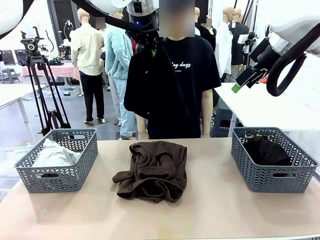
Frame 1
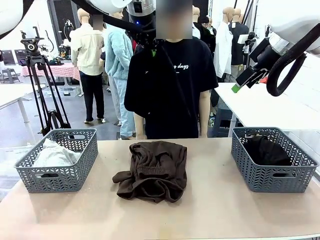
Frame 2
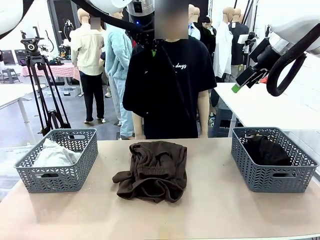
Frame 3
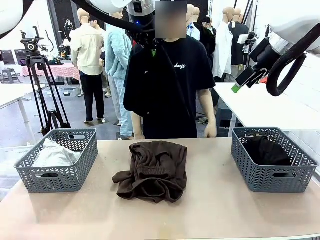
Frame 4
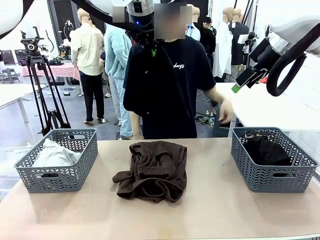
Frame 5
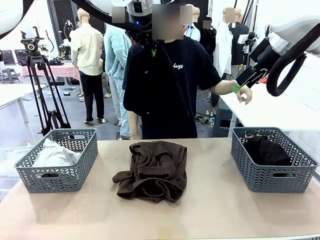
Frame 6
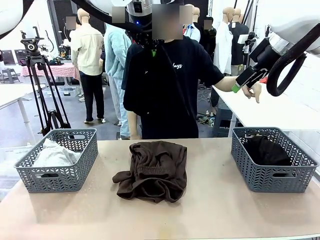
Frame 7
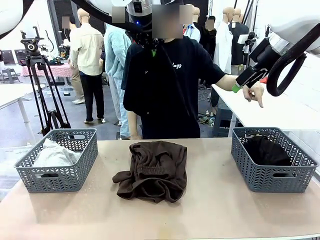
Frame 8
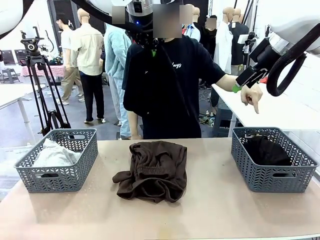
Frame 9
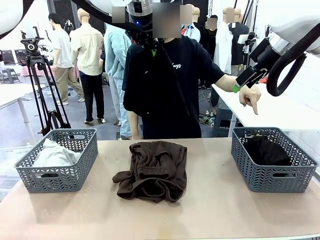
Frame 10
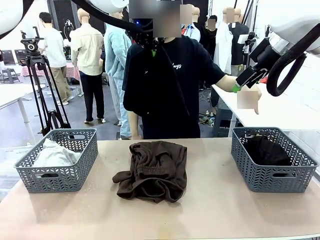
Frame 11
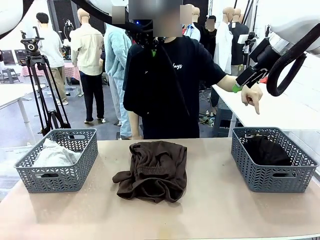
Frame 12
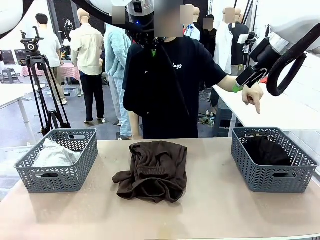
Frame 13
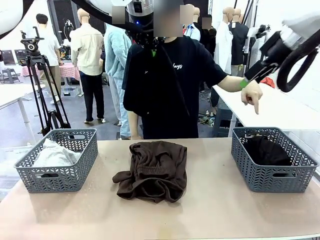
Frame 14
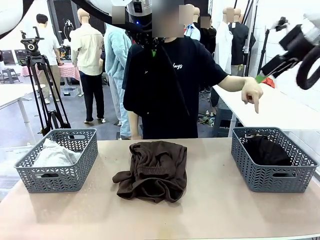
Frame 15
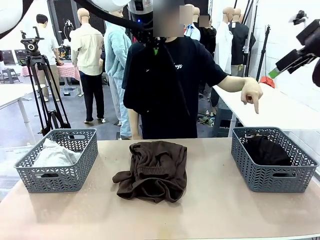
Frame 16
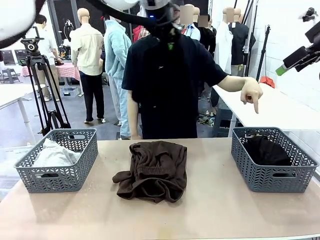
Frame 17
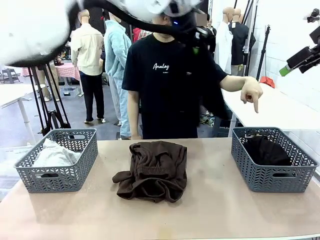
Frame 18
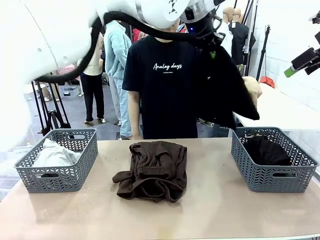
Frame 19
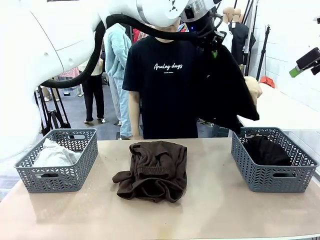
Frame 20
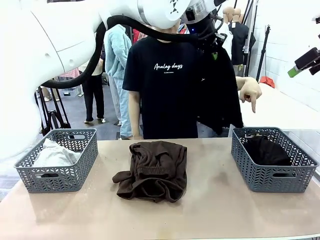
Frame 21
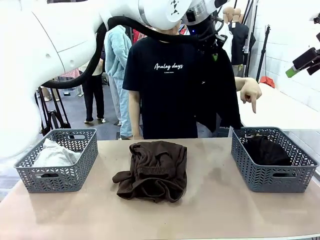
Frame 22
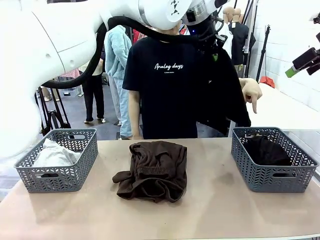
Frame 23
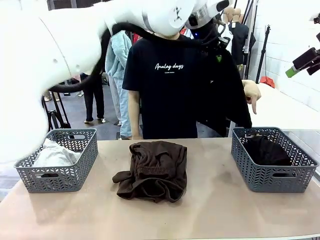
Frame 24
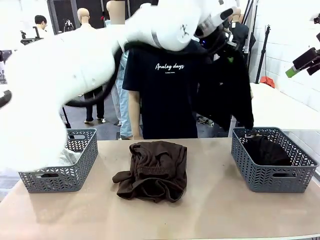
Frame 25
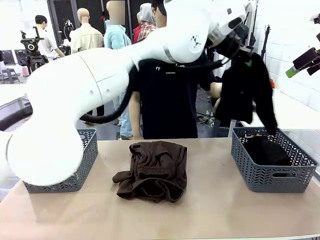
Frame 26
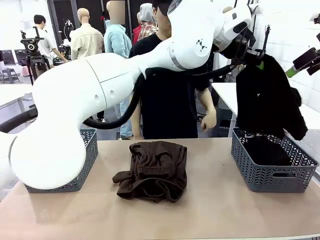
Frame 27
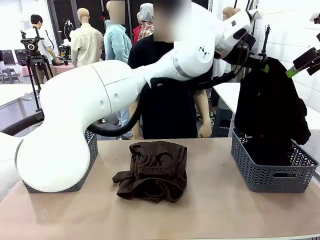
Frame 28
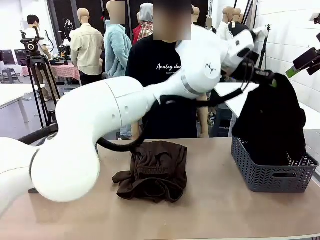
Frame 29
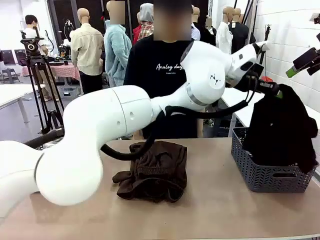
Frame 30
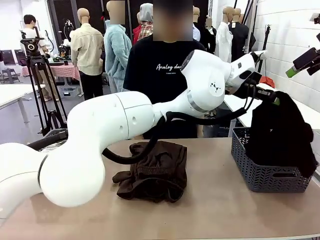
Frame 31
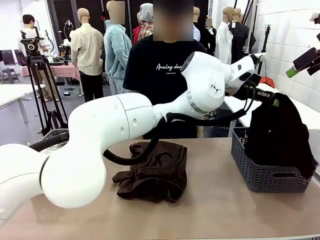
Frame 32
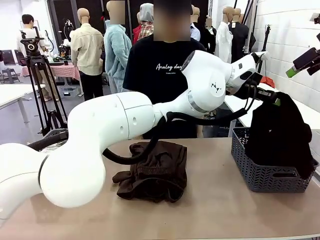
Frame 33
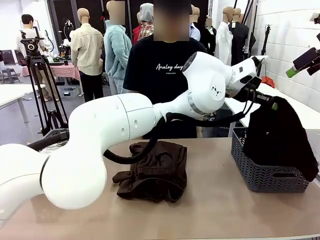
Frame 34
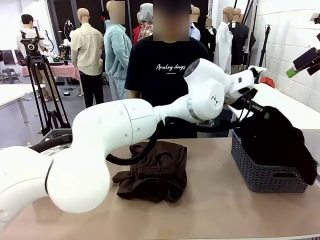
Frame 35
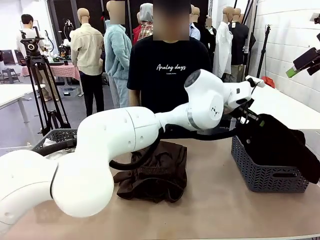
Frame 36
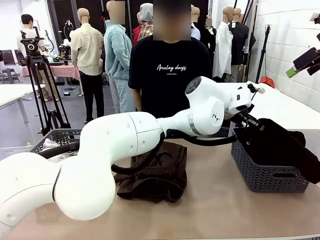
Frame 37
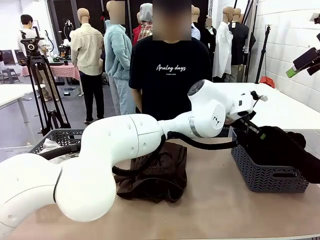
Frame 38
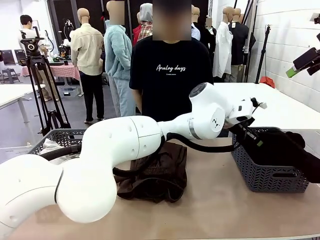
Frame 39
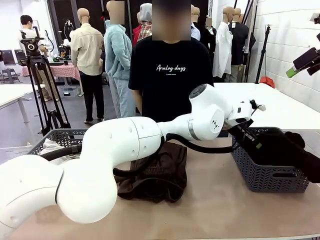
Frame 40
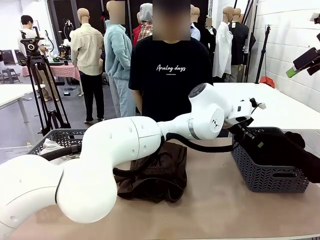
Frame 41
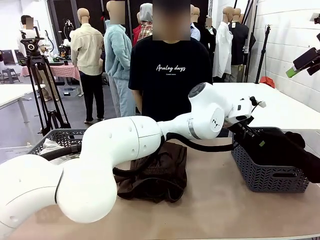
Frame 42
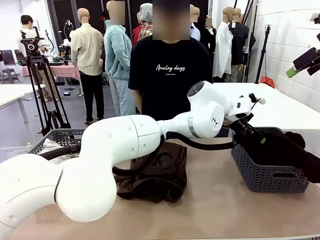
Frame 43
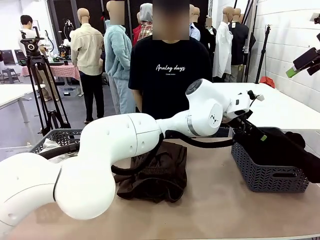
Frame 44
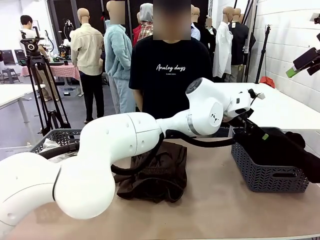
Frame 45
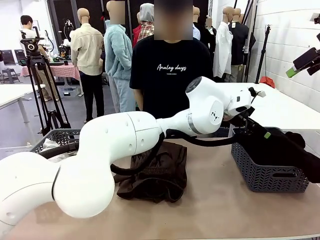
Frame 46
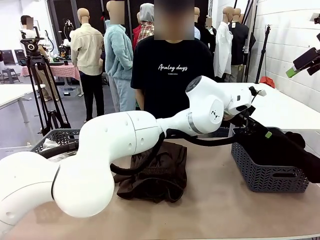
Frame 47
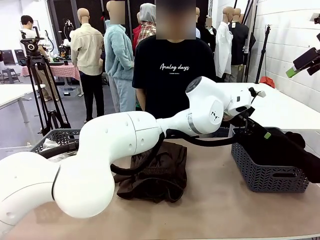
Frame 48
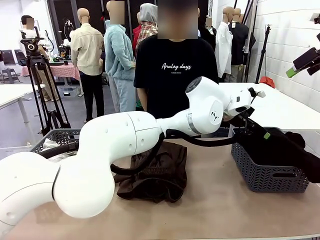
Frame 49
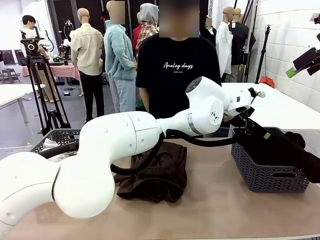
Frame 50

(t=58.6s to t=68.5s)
Task: Sort the tops and bottoms.
Robot: Sort the clothes according to human instructions.

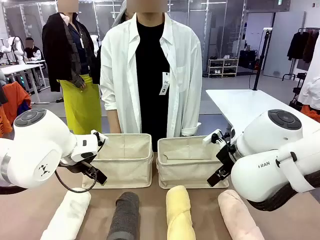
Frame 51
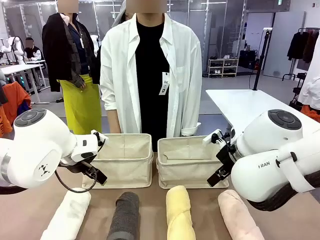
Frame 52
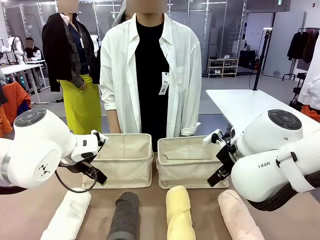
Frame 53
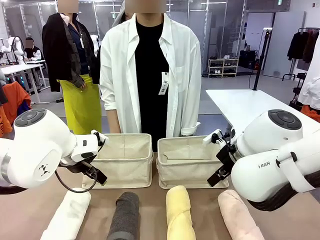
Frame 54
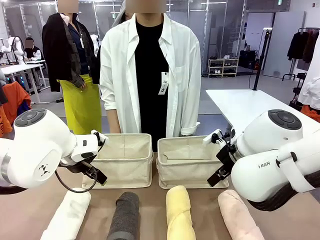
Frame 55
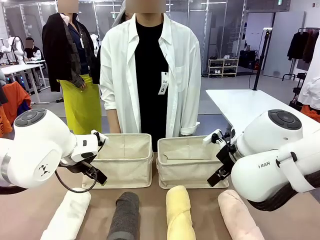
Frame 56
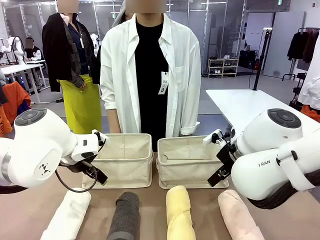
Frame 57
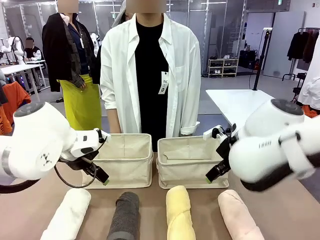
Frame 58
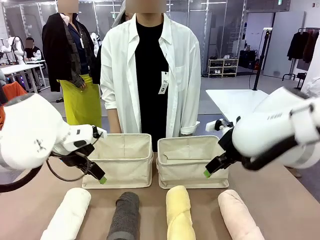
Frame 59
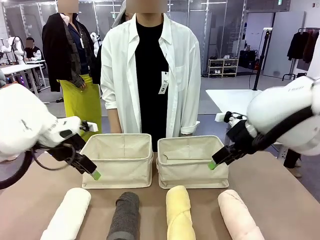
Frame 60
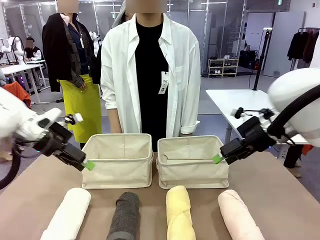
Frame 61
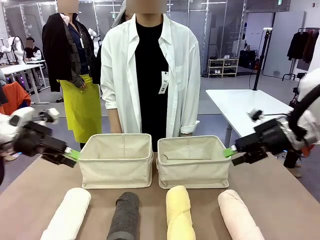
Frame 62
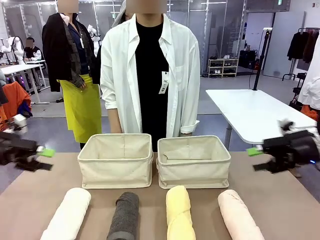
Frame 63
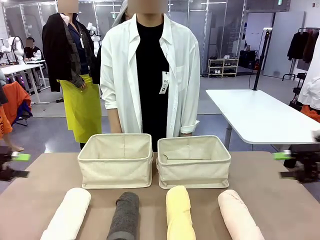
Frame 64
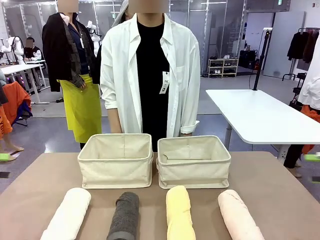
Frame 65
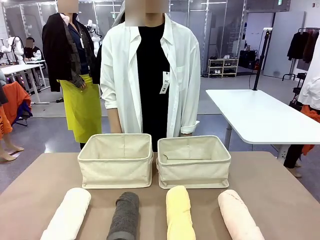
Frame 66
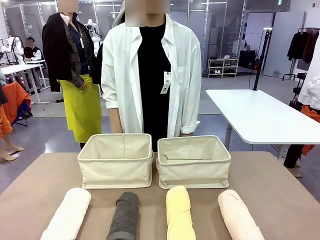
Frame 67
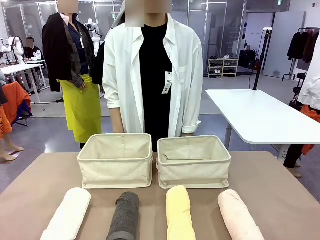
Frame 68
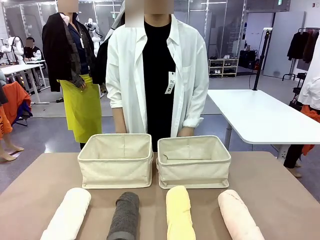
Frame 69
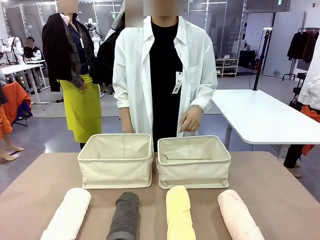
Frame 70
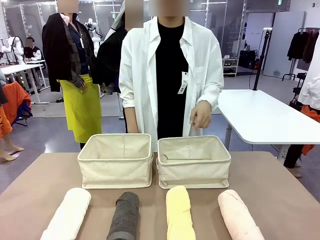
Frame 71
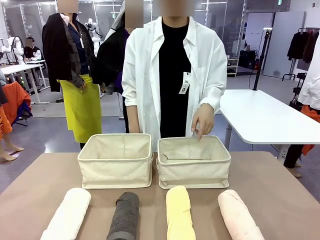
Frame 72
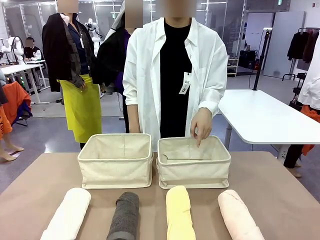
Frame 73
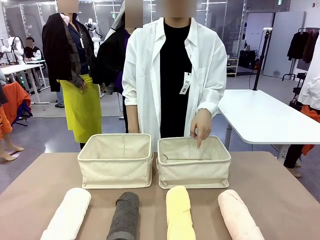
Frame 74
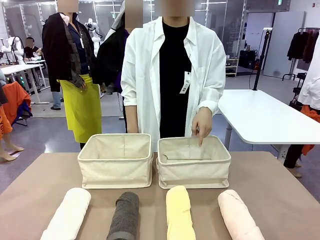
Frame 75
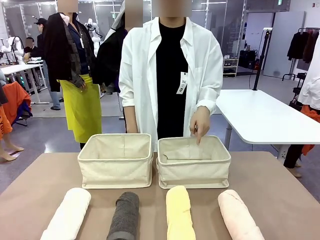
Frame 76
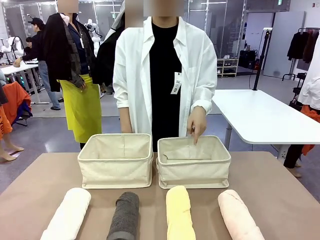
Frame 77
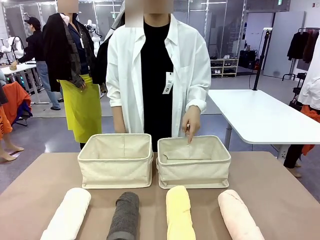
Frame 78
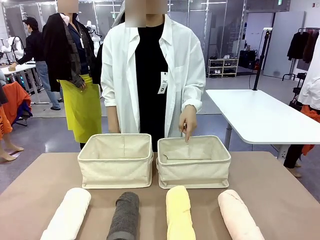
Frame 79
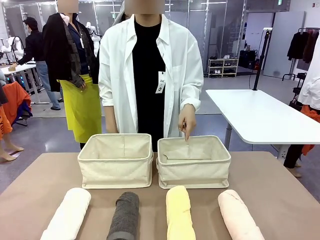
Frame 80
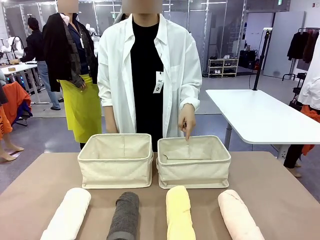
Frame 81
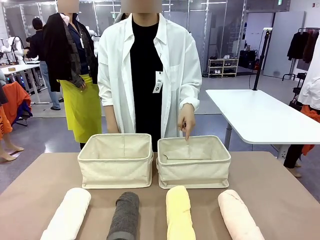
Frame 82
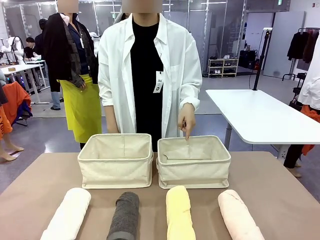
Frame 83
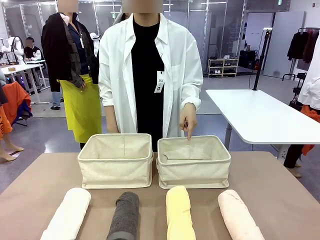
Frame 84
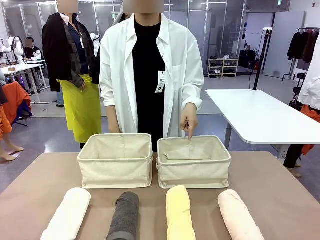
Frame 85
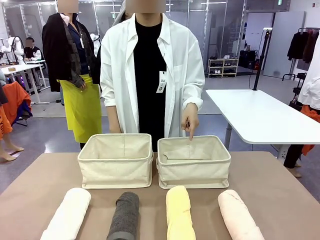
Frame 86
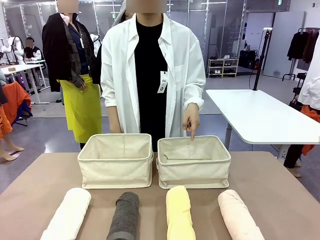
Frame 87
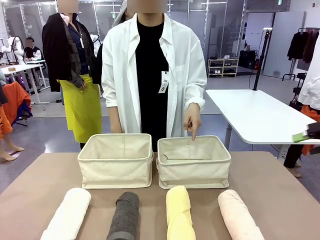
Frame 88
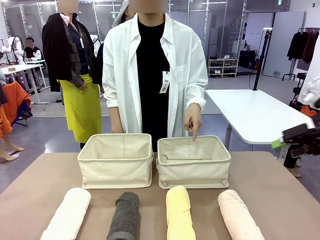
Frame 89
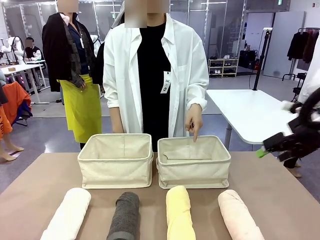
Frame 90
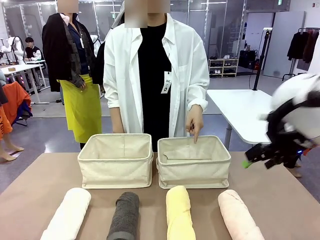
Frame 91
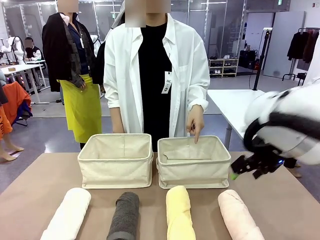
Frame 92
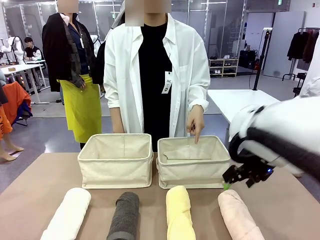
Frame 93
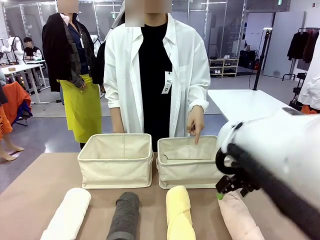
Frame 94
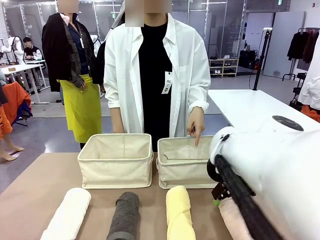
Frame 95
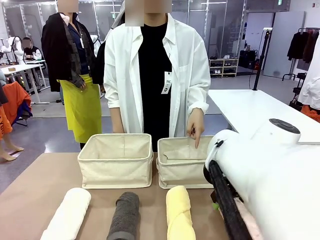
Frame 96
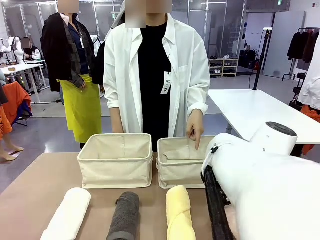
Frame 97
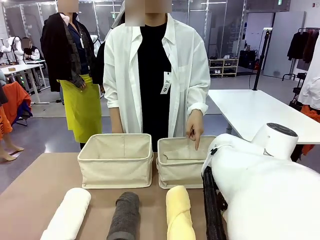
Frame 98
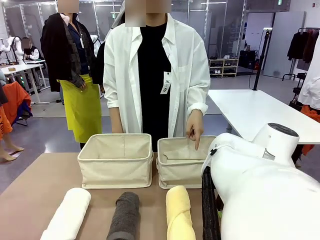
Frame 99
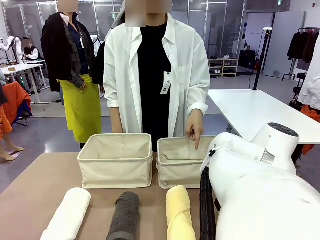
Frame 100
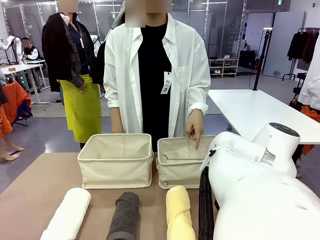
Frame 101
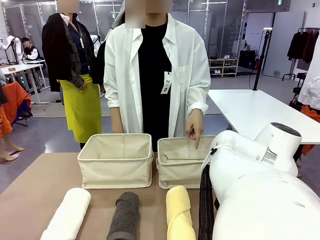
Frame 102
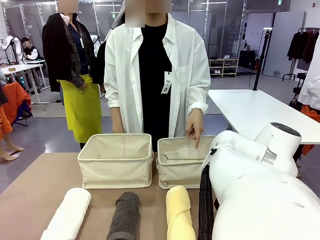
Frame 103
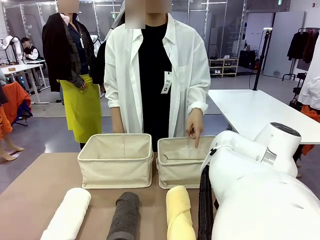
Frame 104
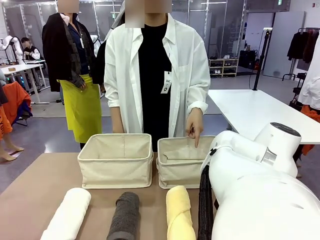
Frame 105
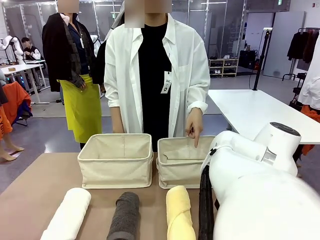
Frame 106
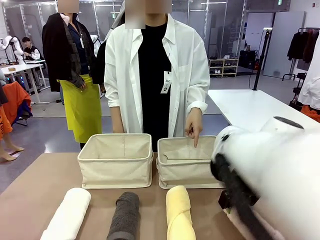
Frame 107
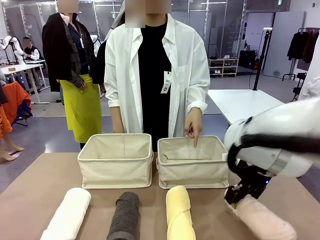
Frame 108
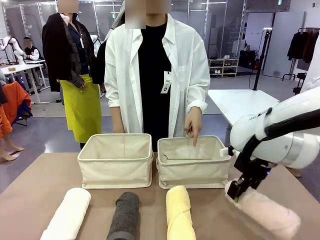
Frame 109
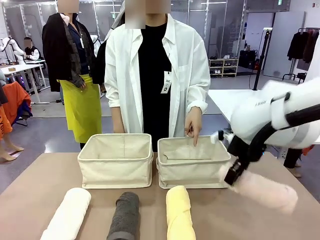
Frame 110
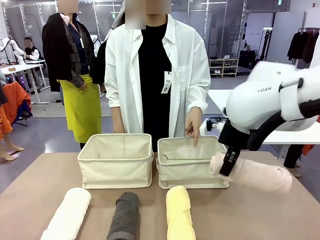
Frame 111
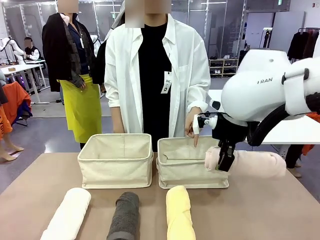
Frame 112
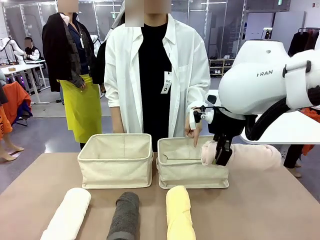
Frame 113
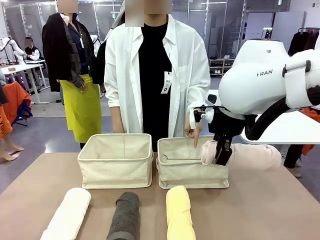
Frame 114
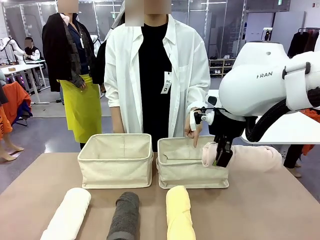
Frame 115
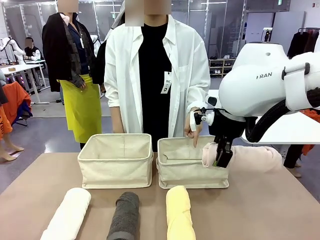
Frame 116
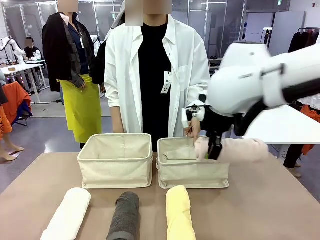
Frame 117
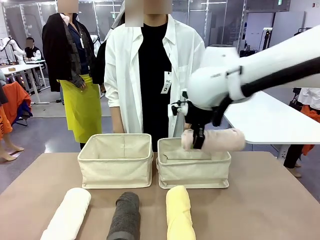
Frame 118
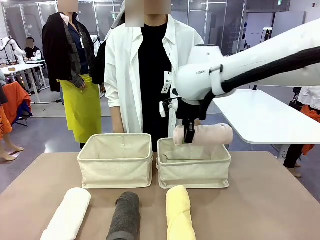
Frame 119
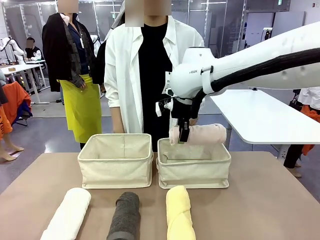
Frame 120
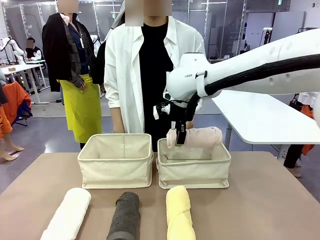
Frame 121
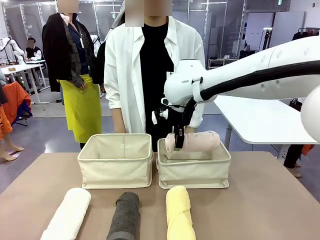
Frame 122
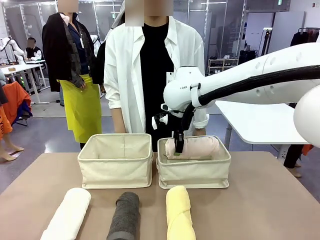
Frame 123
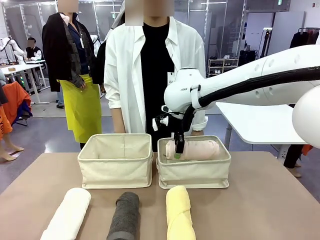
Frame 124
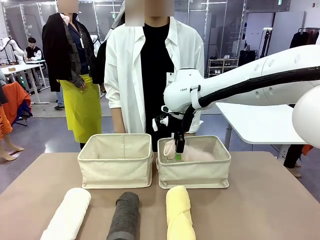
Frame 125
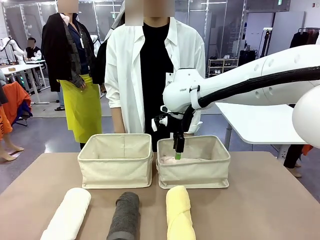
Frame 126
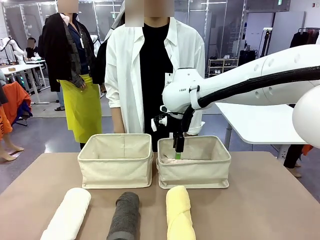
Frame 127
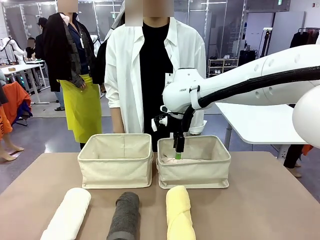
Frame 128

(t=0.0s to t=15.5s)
Task: Divide the towels into two baskets.
Robot: Pick up one hotel-folded towel and place it in the Fabric basket indicated by the person.
